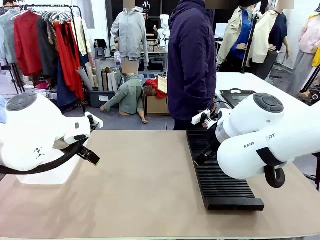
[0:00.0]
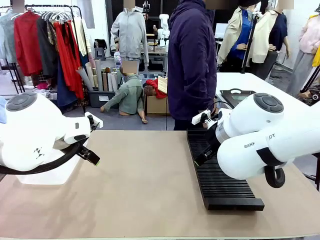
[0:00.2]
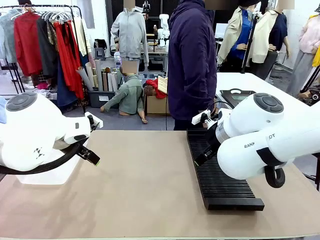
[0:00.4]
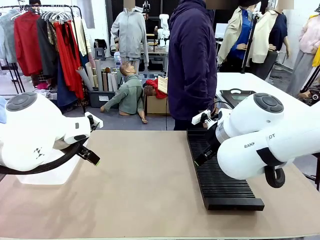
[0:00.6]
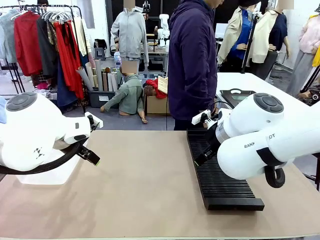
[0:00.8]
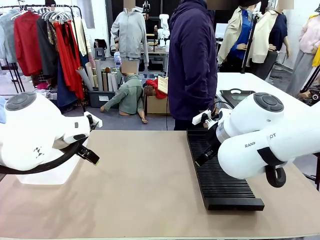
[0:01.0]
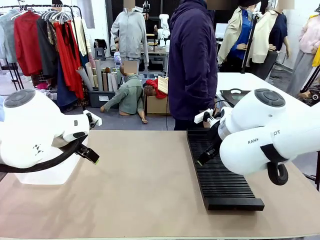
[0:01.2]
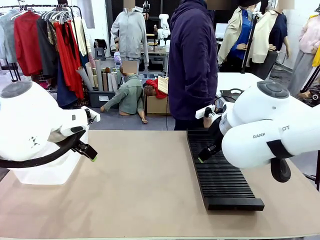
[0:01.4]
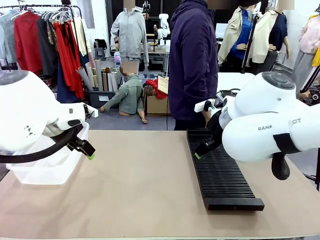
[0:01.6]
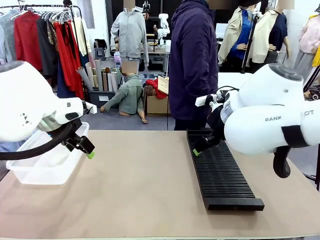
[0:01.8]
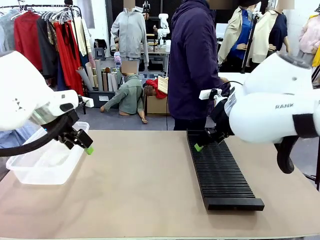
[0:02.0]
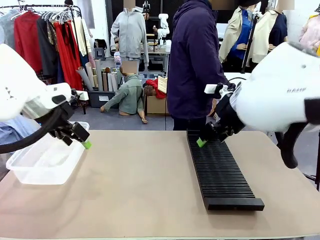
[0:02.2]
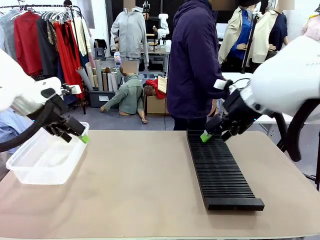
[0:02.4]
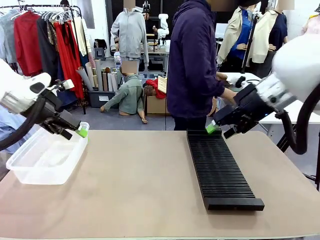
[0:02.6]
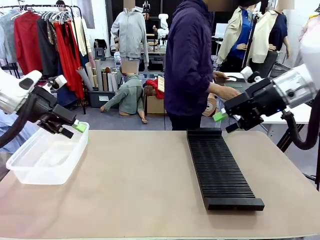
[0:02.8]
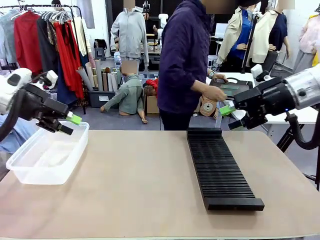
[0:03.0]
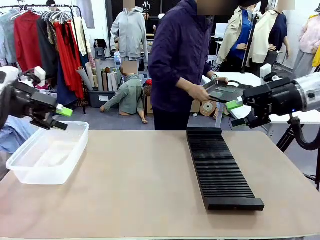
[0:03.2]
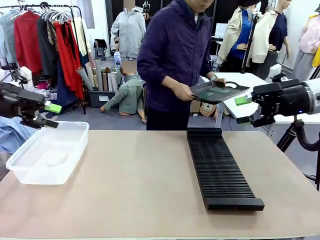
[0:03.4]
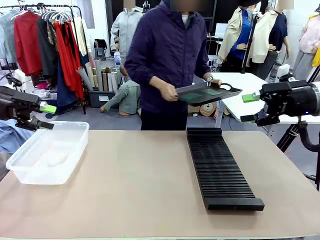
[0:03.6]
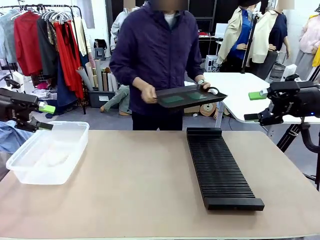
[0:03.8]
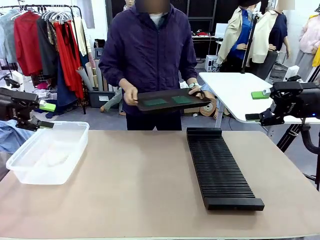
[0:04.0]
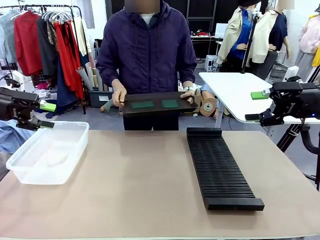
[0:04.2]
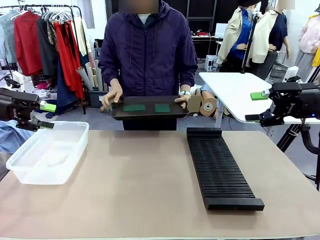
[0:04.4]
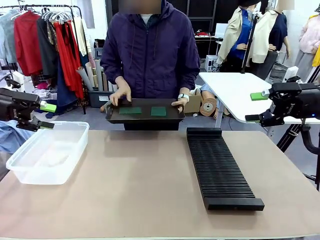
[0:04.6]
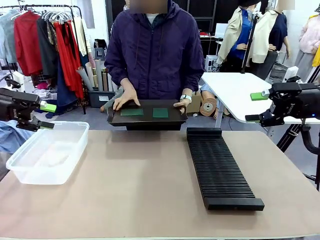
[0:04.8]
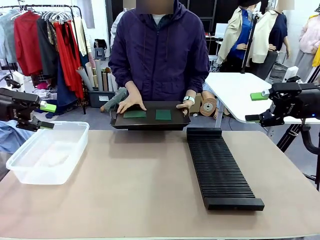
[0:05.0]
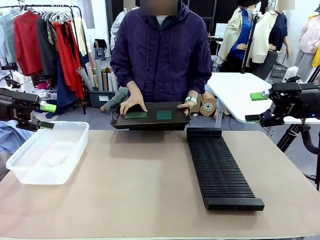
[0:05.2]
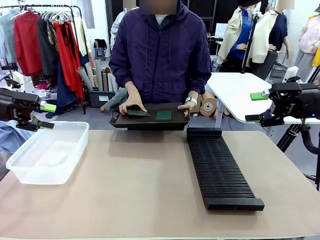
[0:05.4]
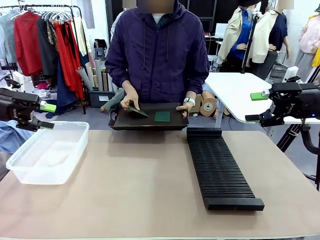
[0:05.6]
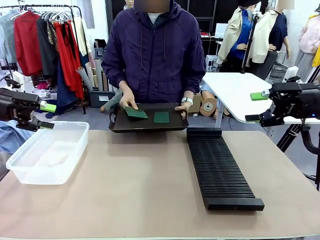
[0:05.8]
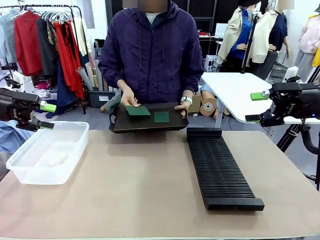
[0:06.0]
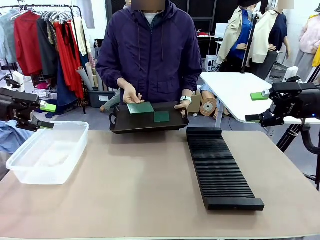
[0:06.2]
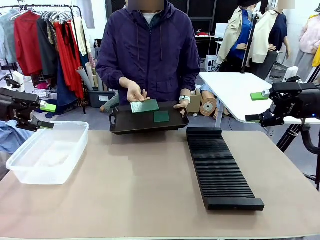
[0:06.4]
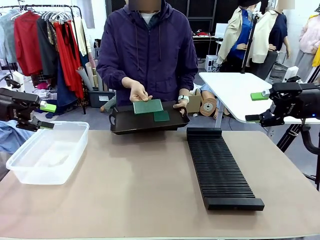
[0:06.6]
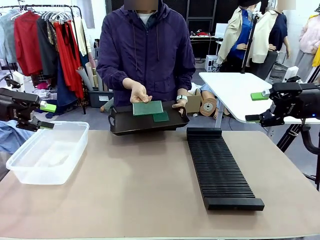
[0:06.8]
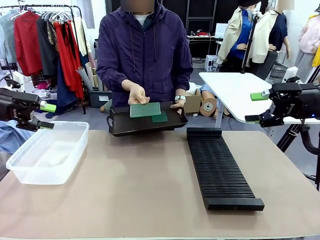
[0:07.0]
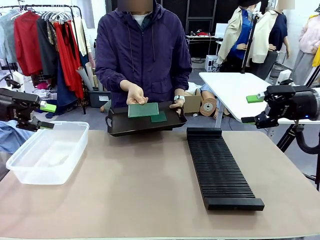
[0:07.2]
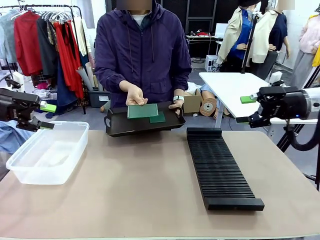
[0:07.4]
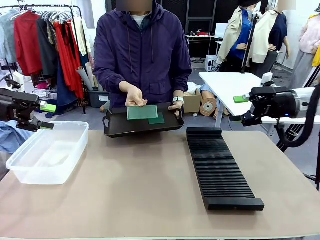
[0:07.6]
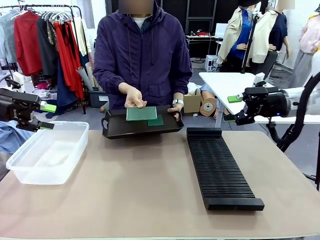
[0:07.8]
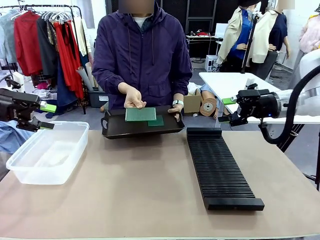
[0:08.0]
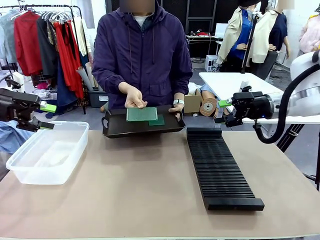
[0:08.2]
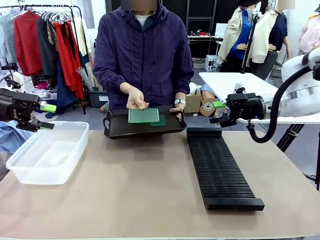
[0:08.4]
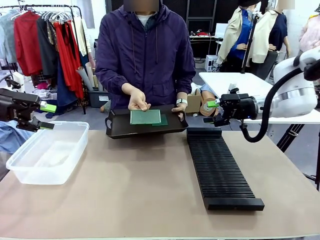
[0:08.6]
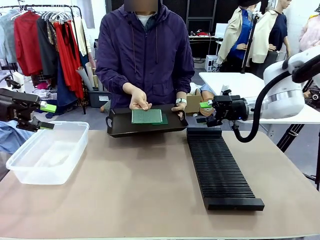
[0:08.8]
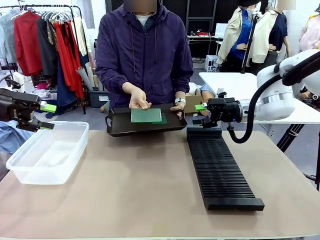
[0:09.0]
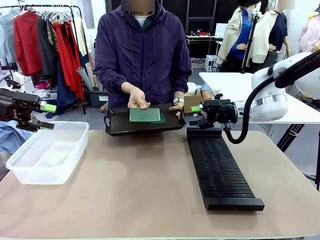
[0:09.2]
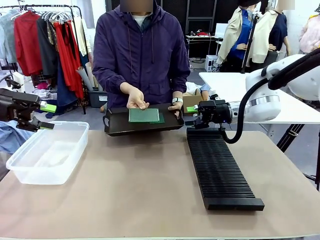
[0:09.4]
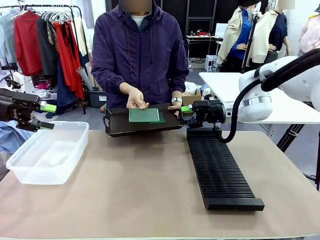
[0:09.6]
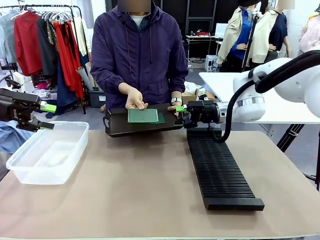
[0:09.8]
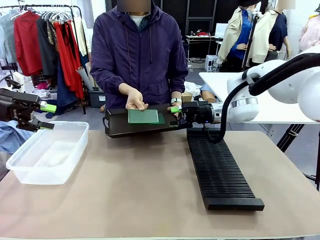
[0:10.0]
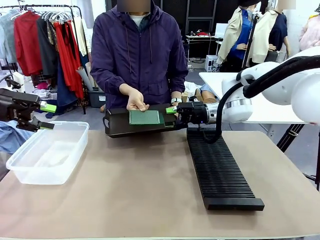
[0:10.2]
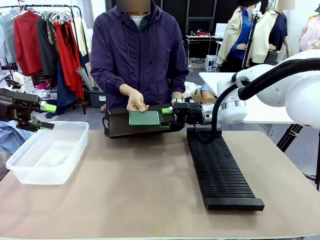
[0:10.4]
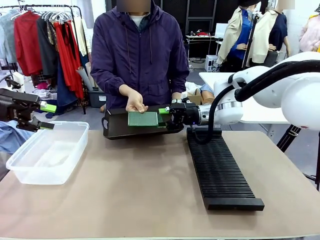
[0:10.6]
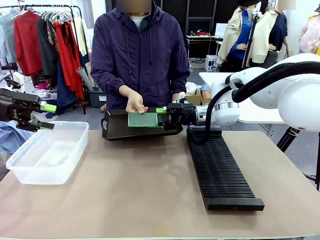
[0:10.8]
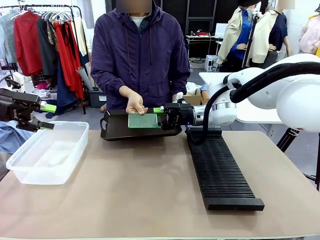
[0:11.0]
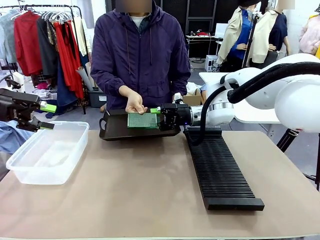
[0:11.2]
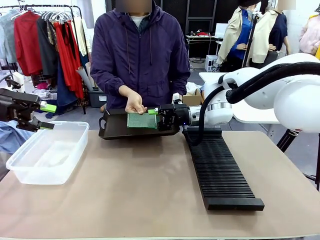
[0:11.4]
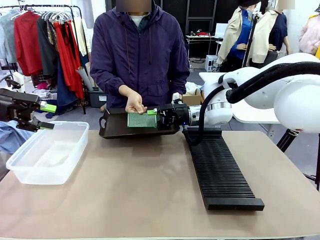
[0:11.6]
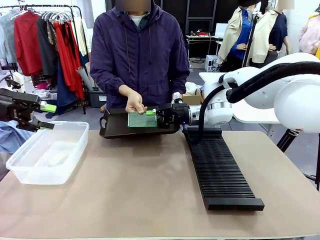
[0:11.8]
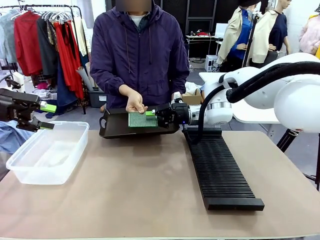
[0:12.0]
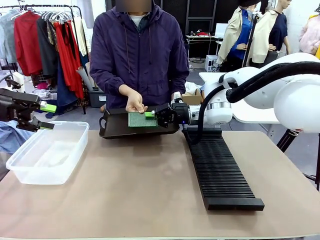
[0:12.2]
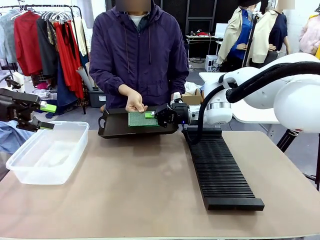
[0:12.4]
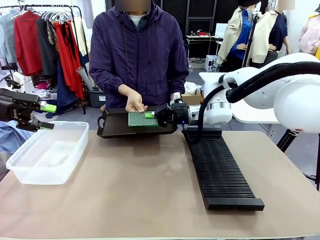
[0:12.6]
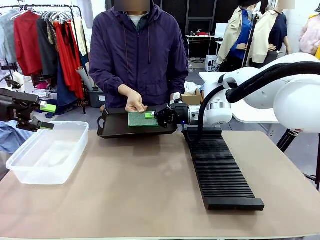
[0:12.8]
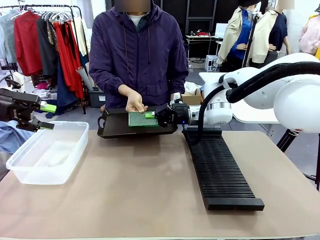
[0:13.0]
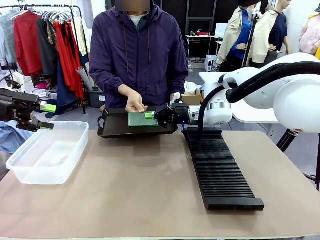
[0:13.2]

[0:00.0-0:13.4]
Task: Sort PCBs into racks and boxes based on the side picked up.
Robot: Pick up the Blank PCB handed by the Human.
Person: Pick one PCB from the tray and present it to the robot. Release the PCB being held.

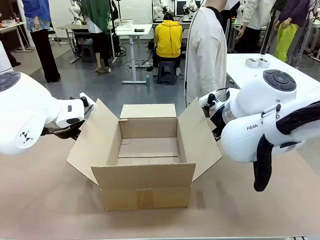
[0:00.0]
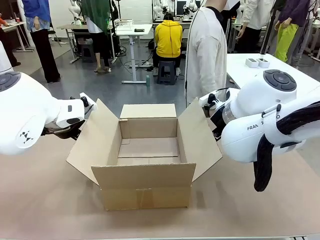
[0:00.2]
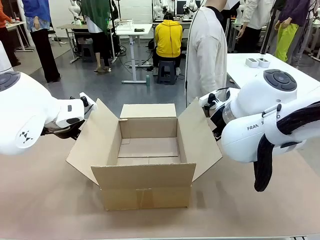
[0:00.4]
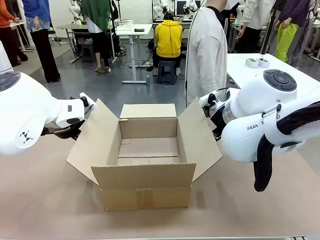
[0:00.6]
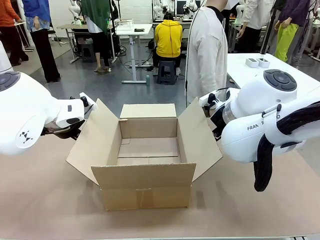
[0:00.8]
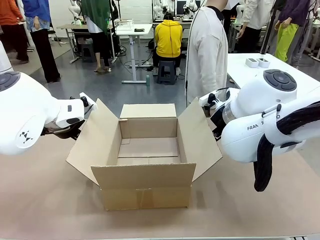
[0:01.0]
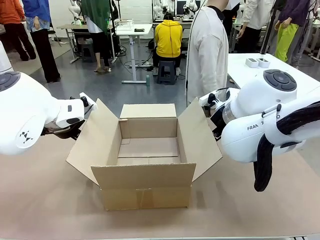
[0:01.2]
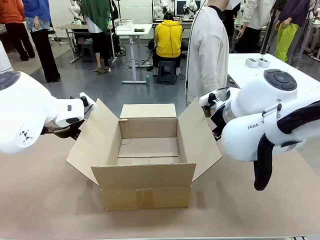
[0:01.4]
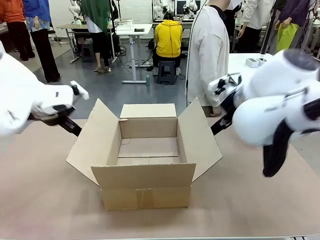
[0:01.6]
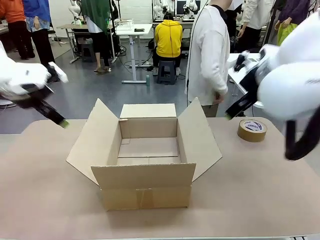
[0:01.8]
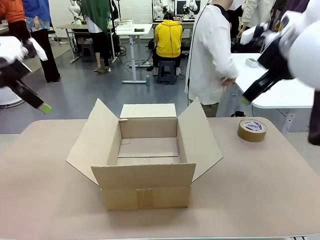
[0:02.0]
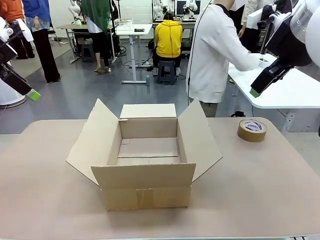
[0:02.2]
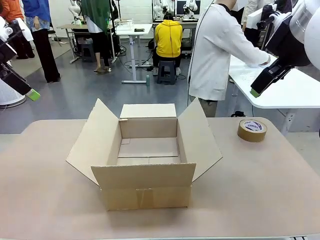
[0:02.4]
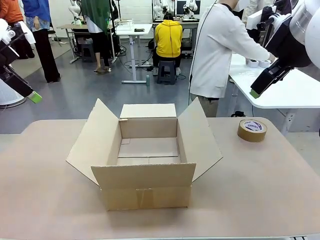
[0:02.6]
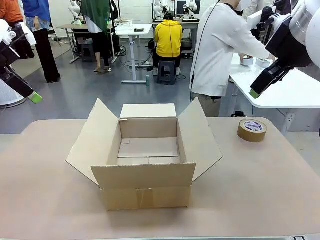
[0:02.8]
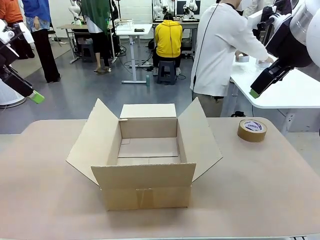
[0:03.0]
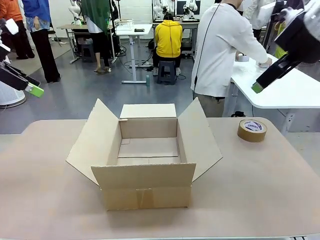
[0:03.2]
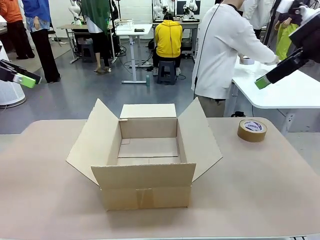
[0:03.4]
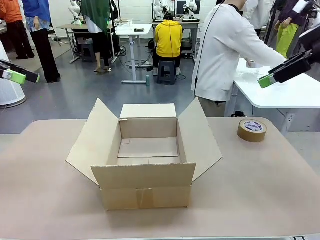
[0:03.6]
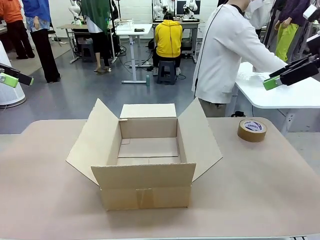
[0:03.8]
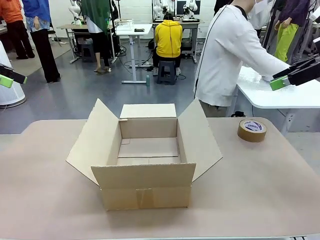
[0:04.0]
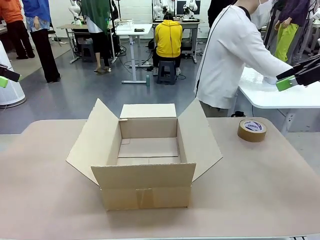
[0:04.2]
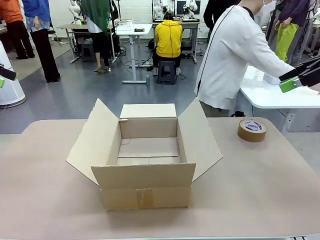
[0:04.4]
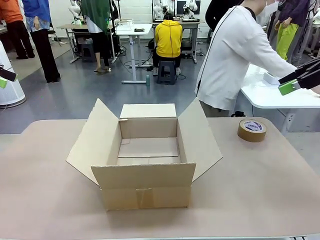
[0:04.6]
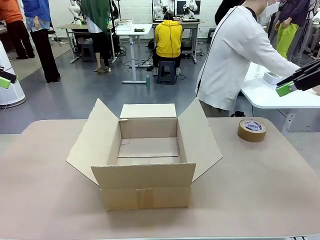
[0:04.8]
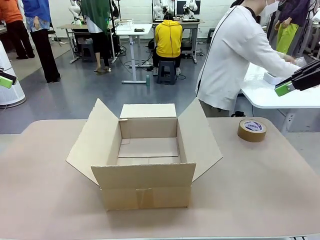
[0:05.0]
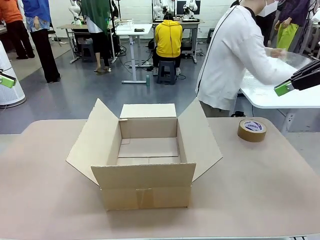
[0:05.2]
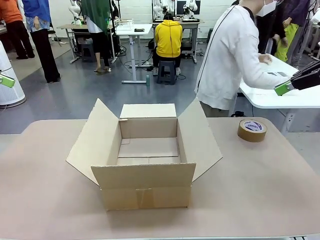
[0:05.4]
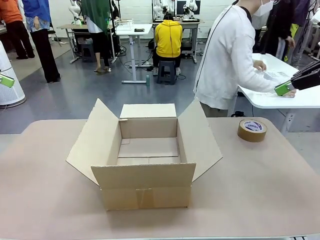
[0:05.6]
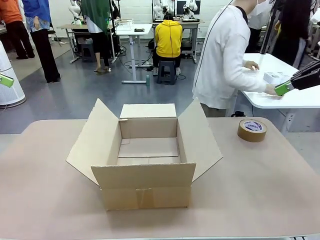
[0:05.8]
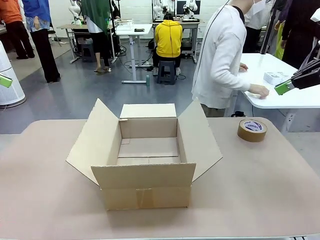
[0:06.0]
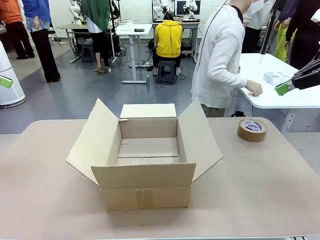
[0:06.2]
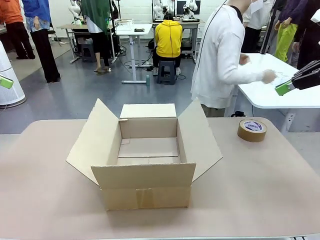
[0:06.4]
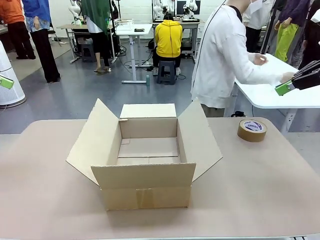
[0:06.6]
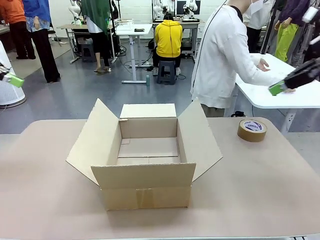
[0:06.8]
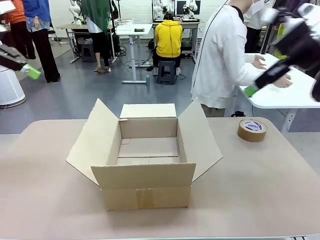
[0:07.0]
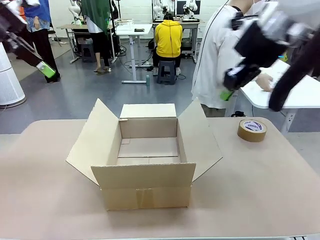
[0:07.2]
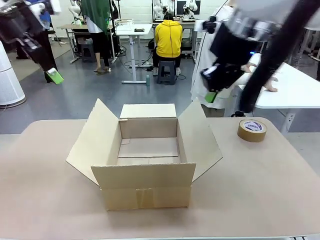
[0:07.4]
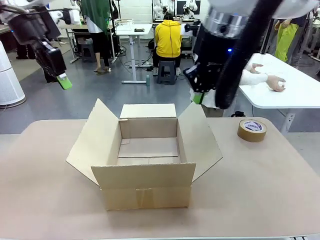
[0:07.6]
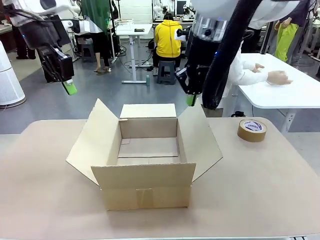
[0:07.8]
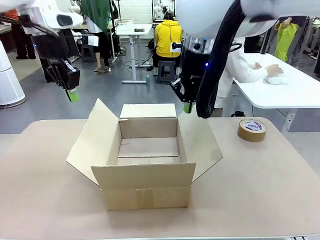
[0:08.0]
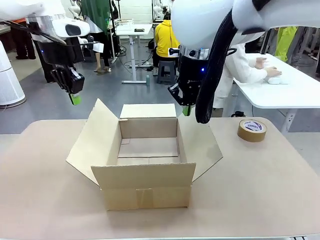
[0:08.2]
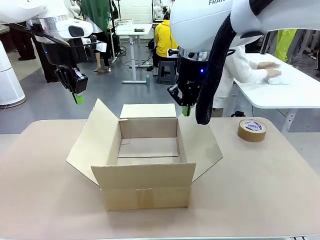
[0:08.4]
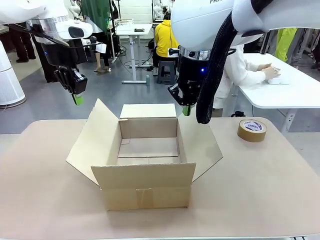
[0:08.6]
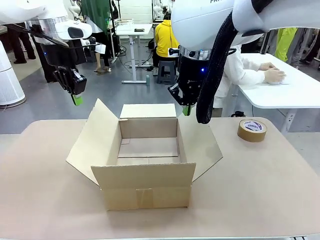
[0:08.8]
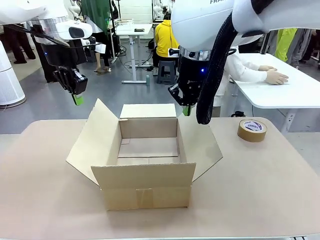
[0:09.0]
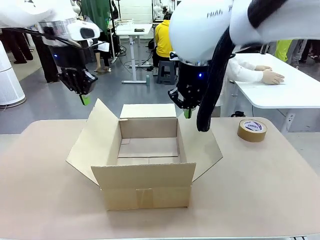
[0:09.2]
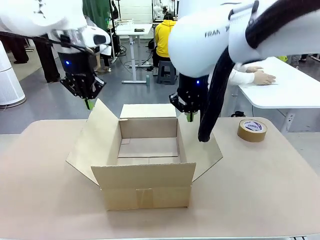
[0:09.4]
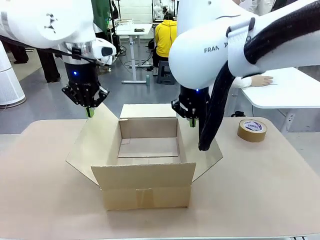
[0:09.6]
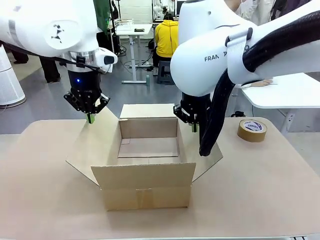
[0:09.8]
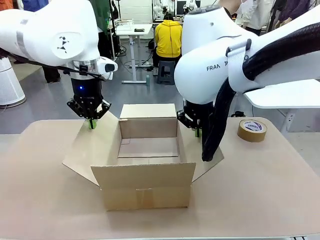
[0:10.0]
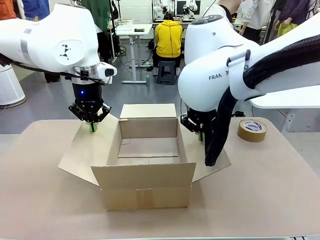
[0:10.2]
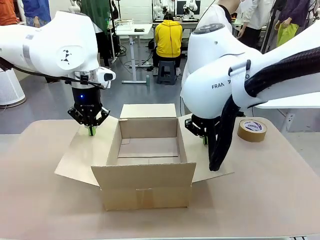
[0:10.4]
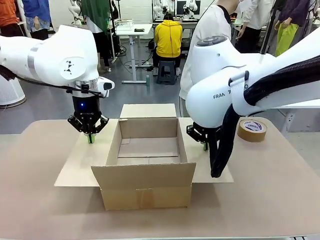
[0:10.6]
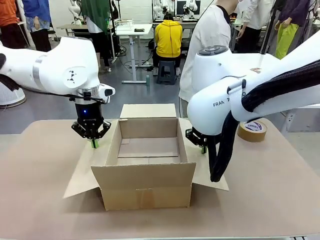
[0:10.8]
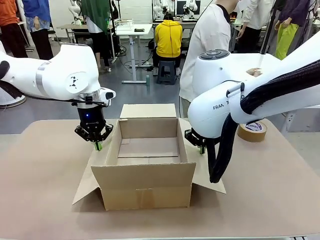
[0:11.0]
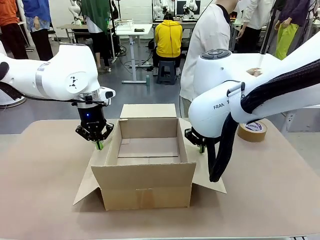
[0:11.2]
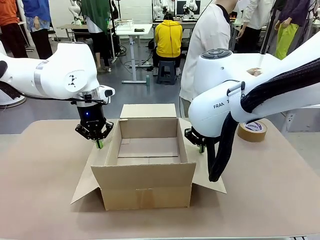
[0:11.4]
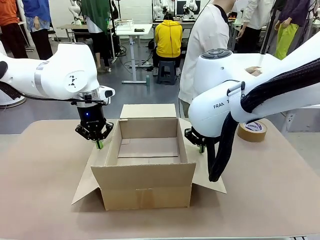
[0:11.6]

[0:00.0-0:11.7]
Task: Wrap the clocks to prevent damage.
Robot: Open the side flaps of the Package Box.
Person: Wrap the two Digital clocks with Bubble Wrap.
